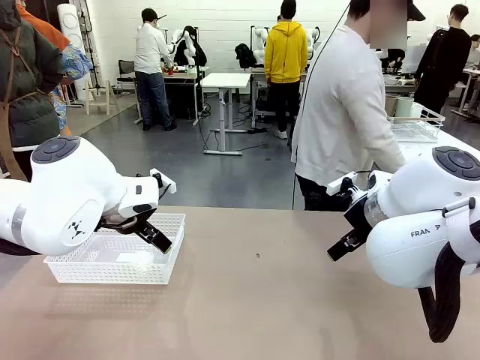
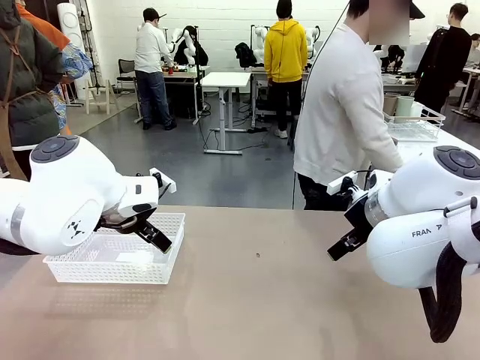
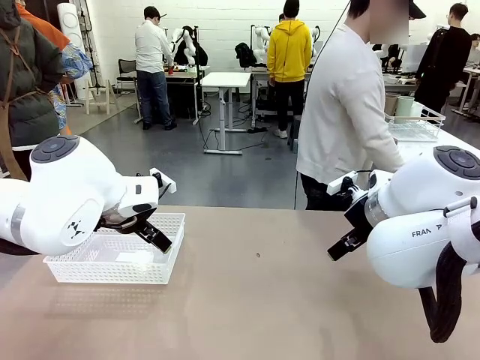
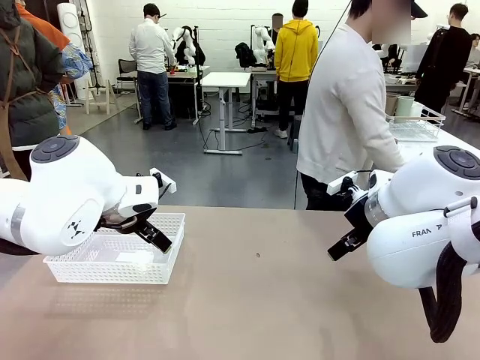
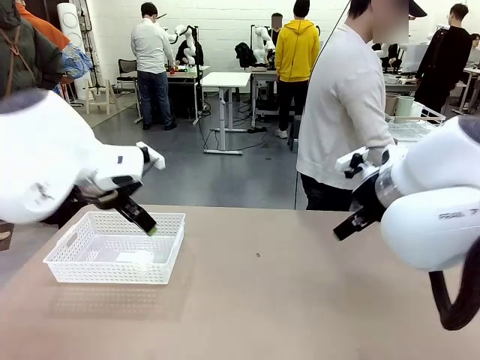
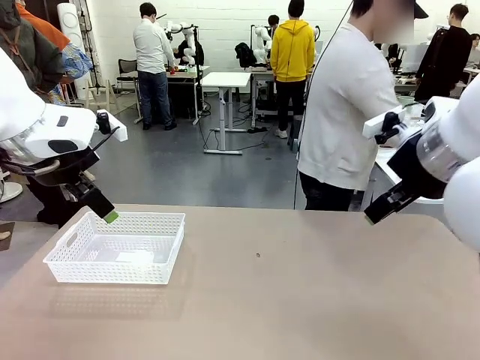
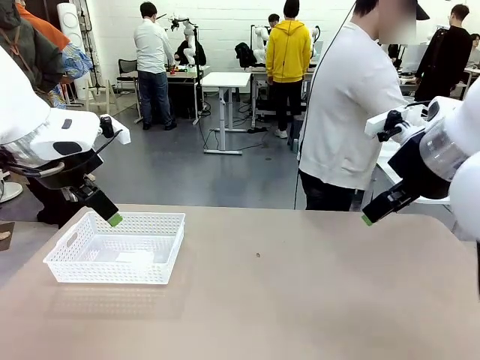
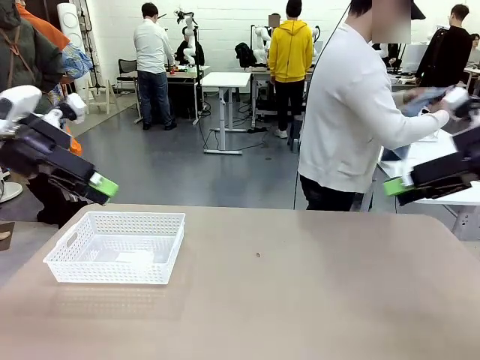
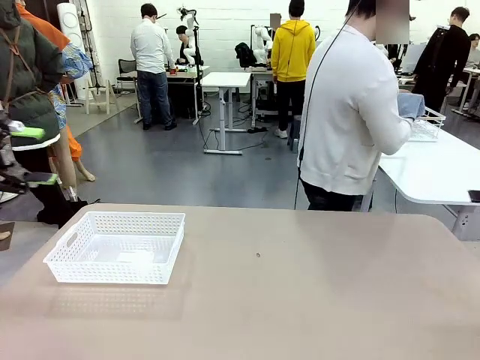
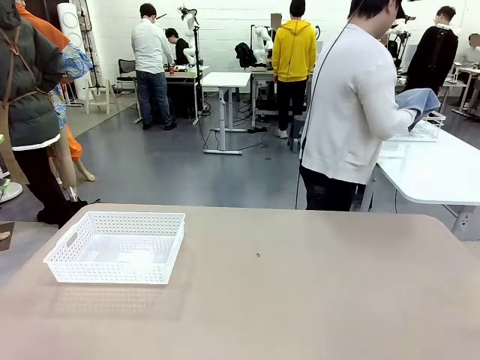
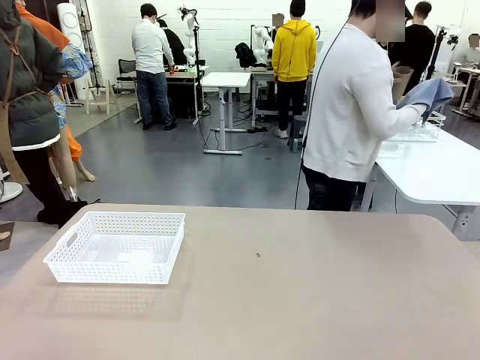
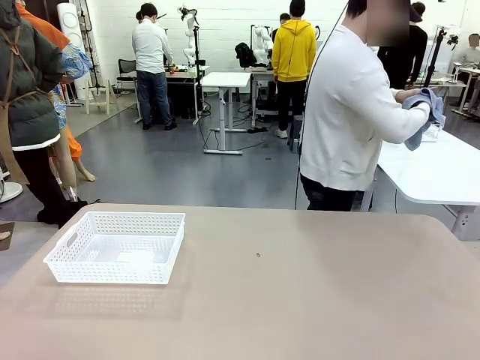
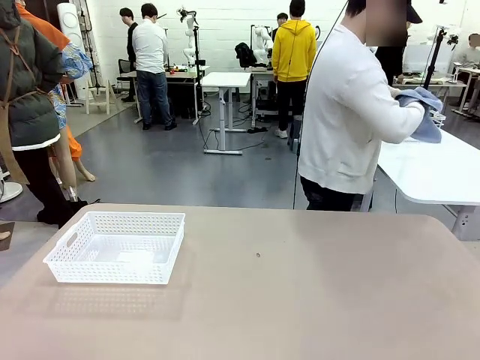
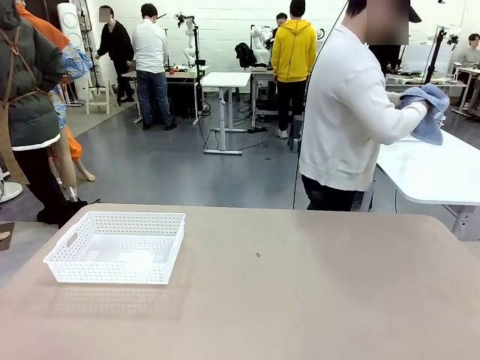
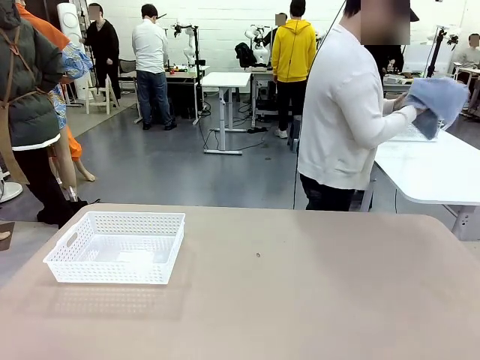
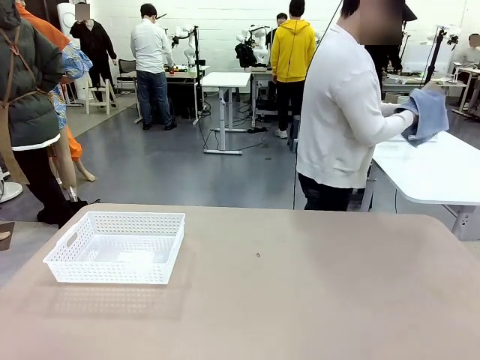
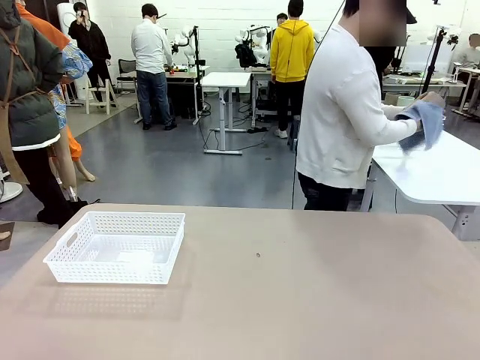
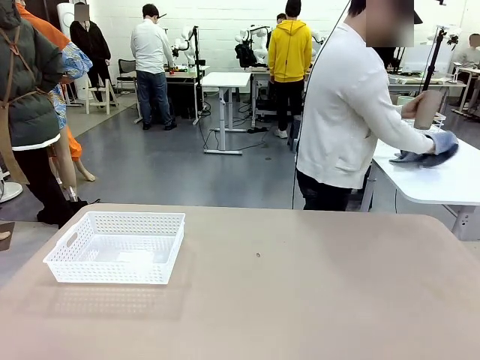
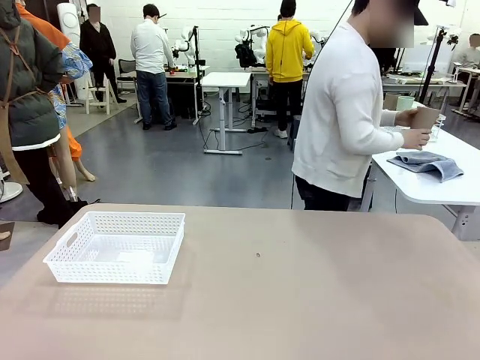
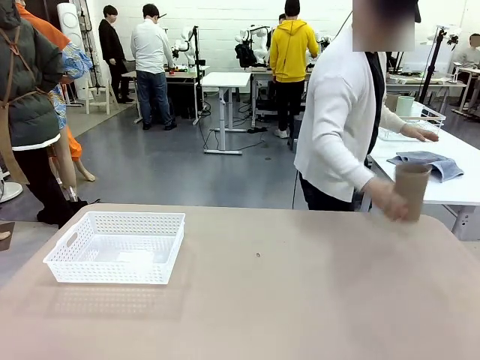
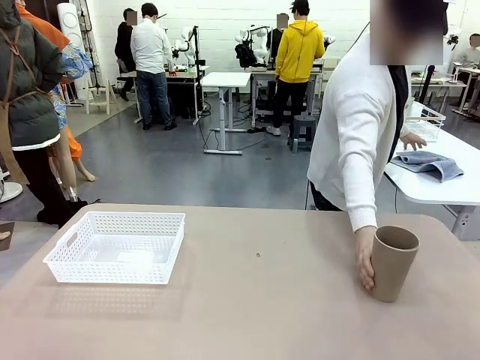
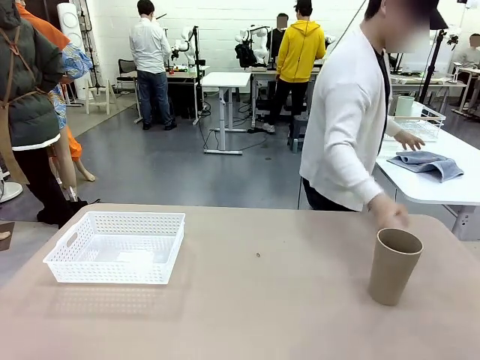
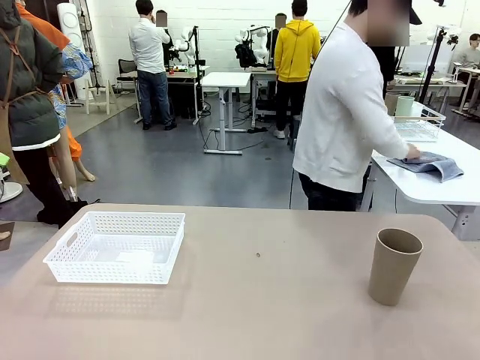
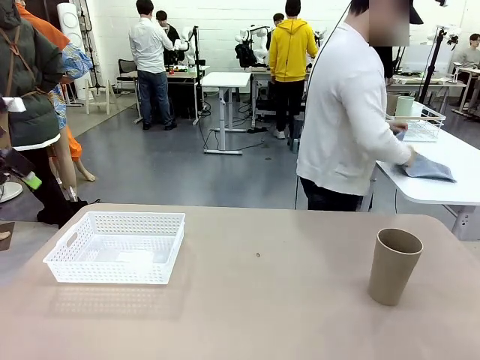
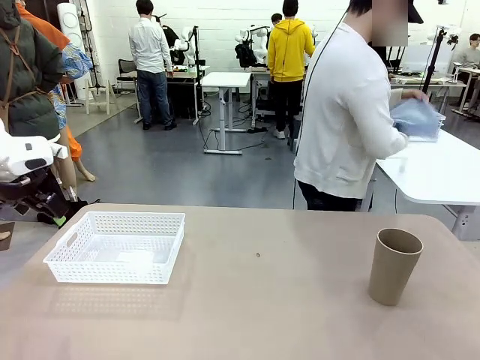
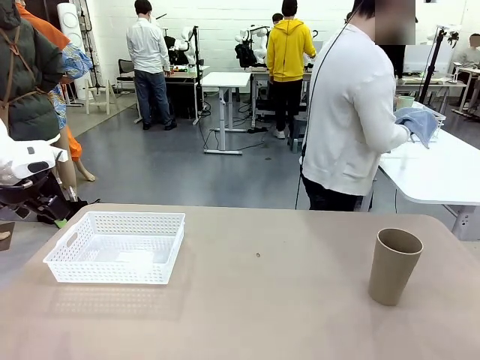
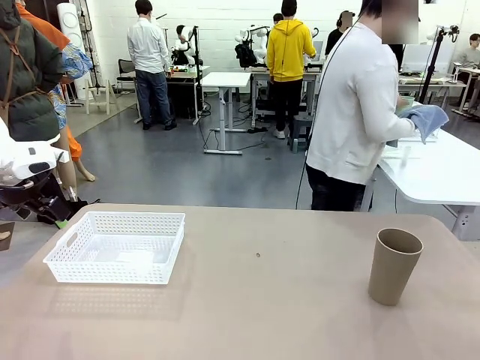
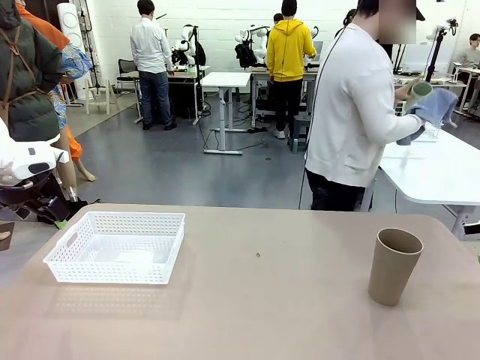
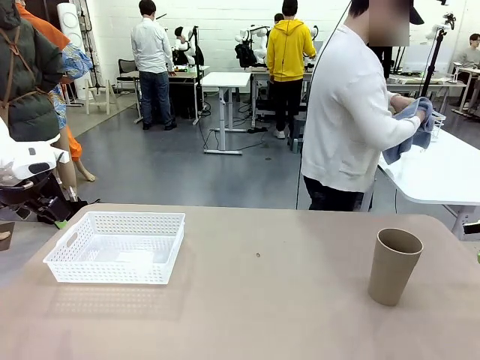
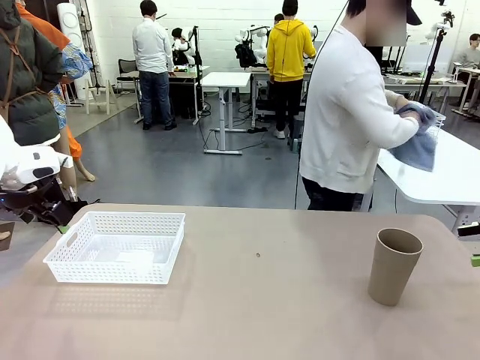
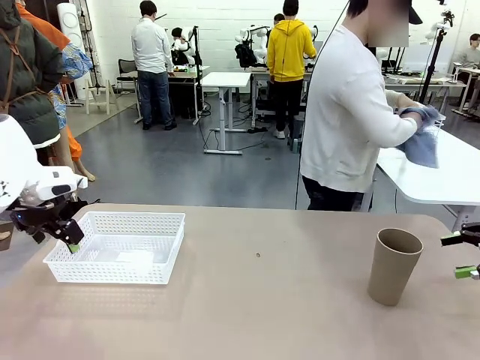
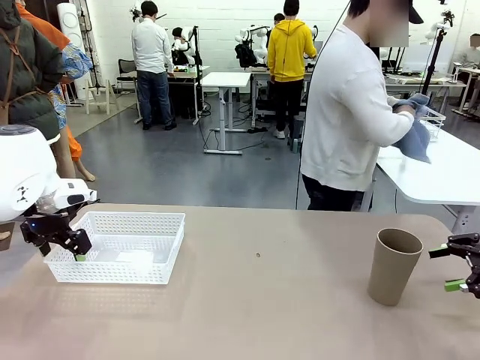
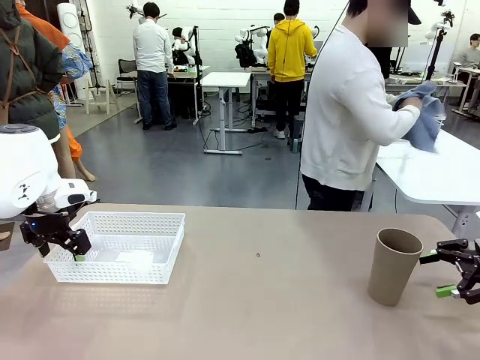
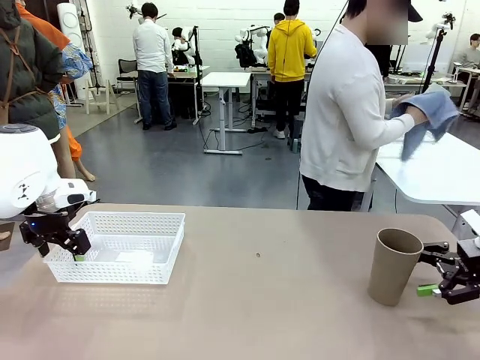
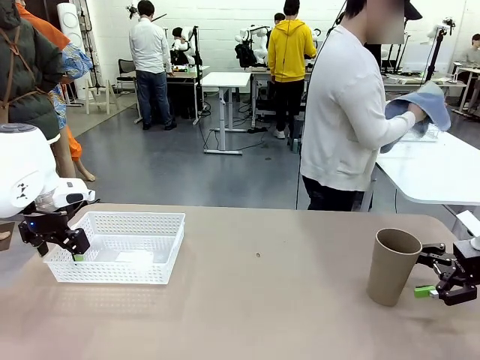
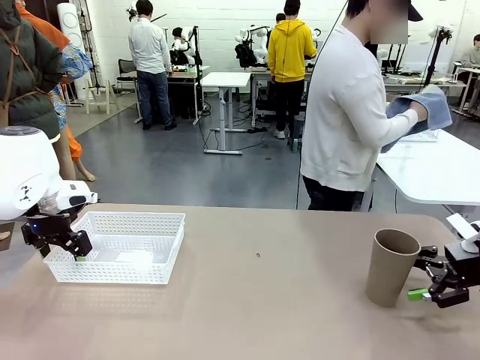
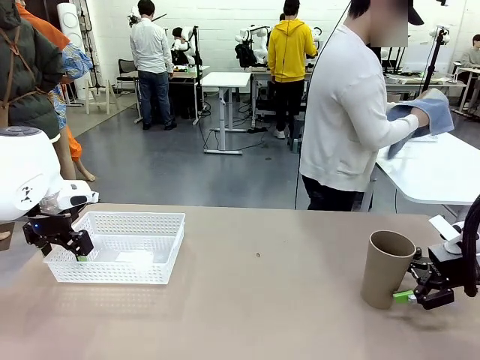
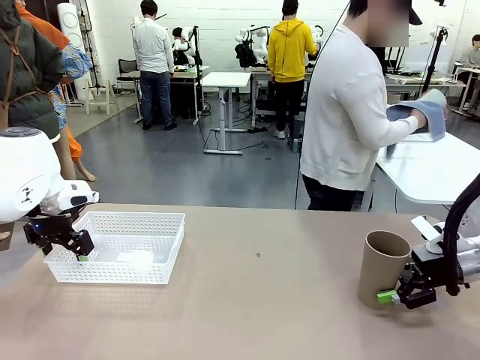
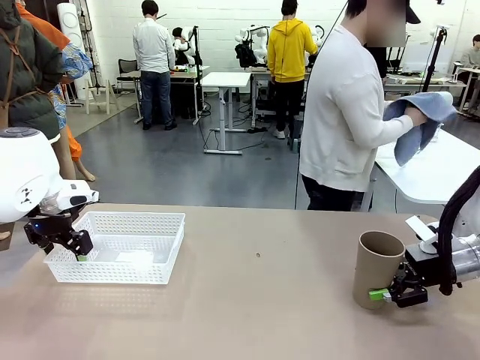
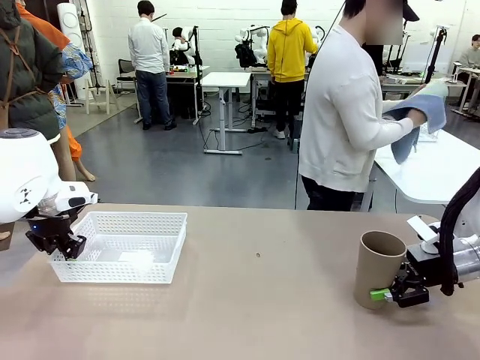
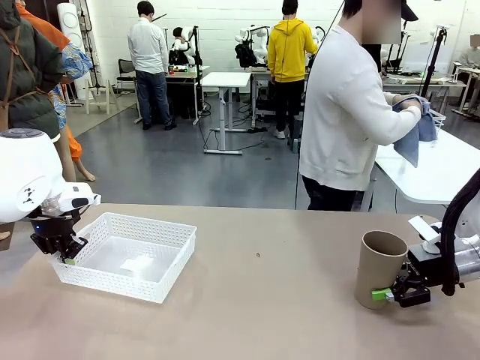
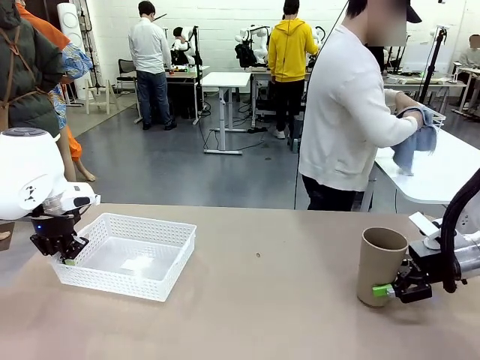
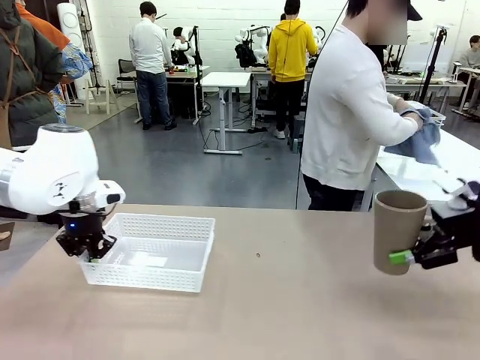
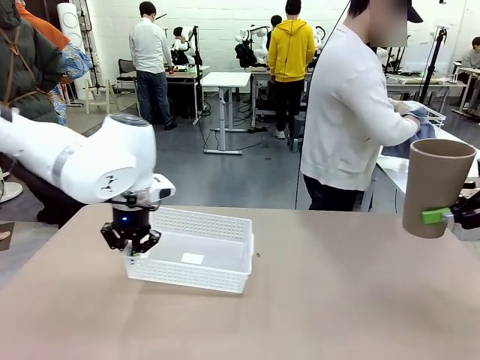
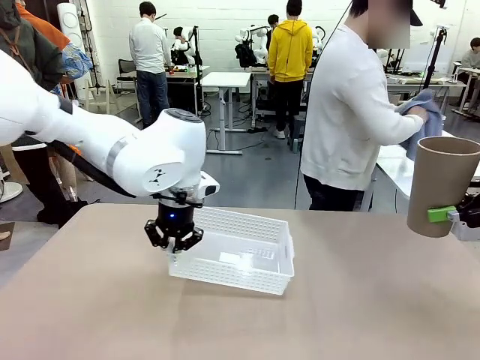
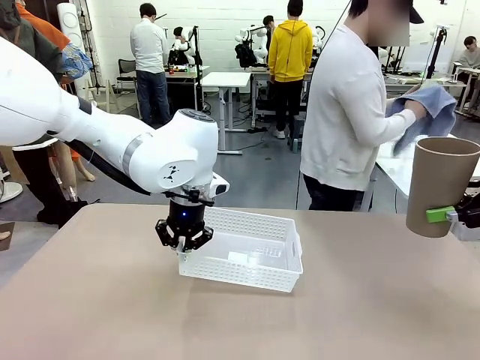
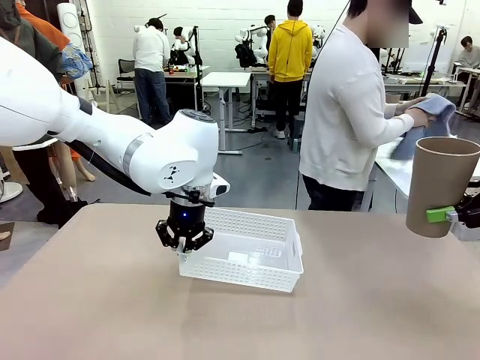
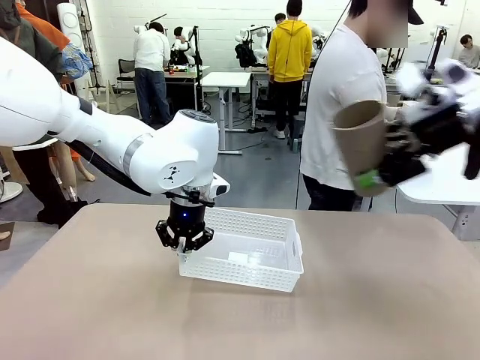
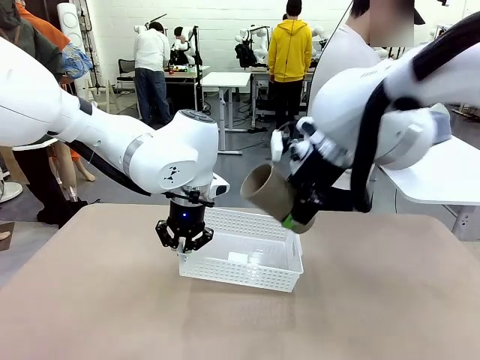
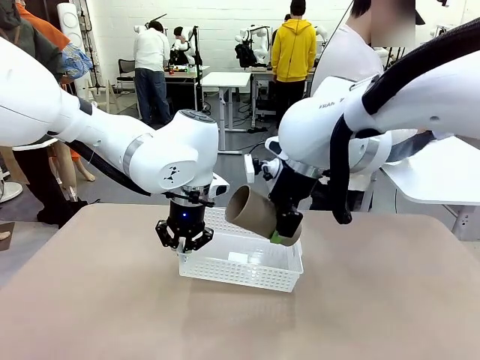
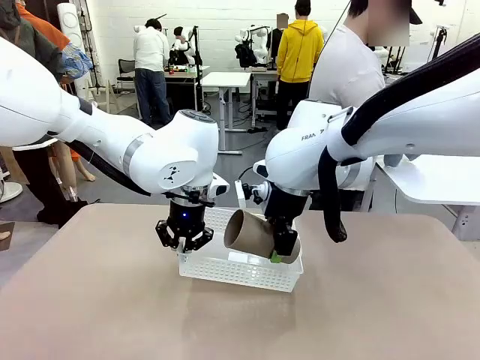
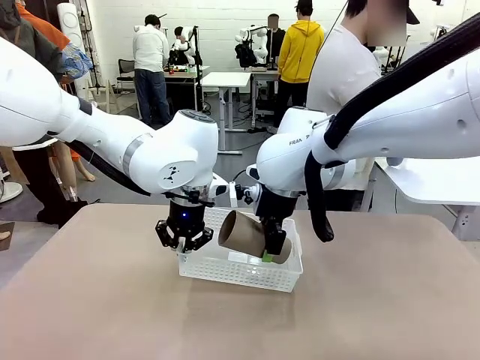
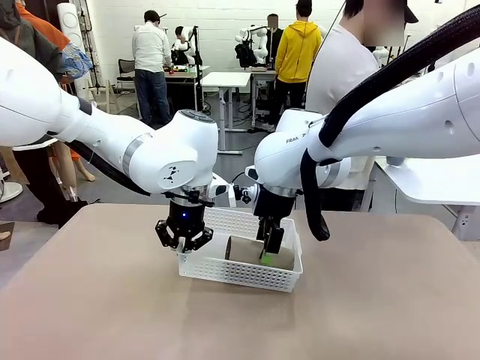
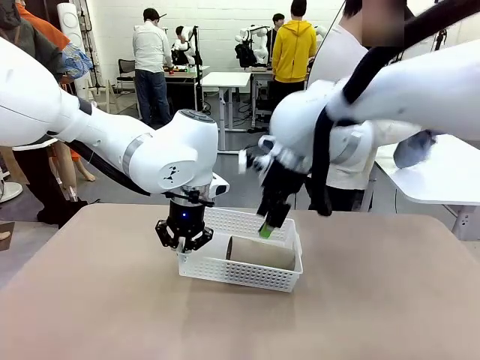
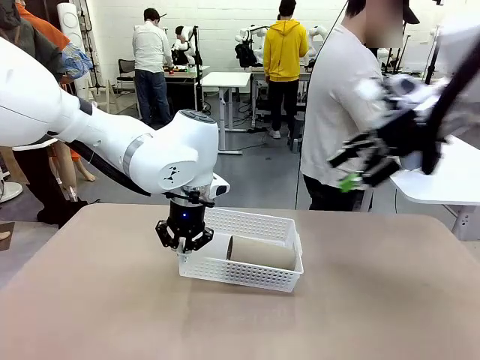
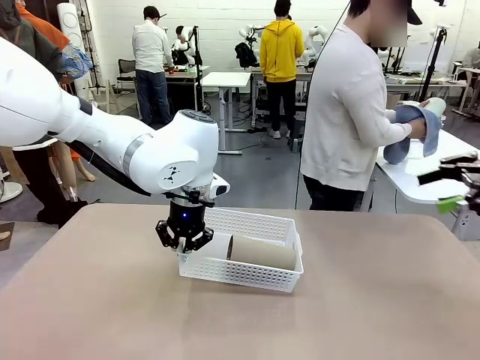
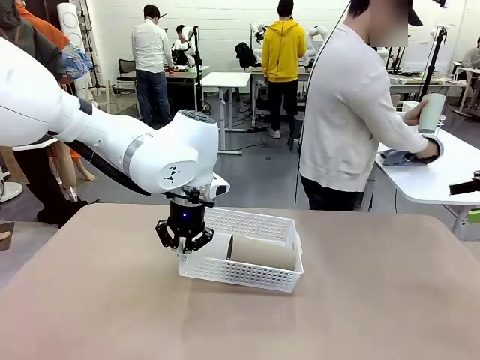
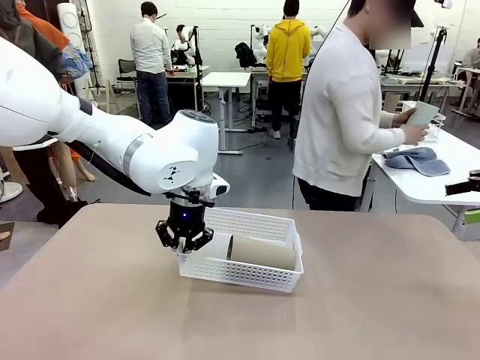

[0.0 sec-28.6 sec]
Task: Clean and organize the cups into the basket.
Robot: Pick up the Organizing basket and move it to the center of the table, then pick up the Reusable plastic cup from the right side of the table and place it inside the Organizing basket.
Person: Picks up a cup and a towel, cleans the cup with the towel, and places it on the left side of the robot table. Picks up a cup from the drying rack, cleans the cup with the towel, and places it on the left side of the robot table.
